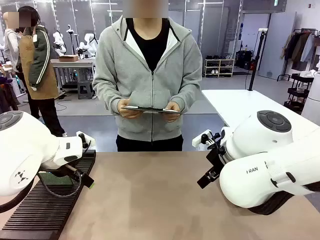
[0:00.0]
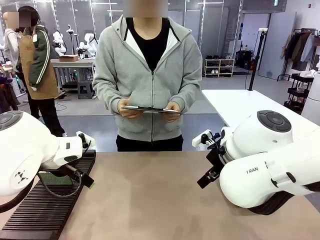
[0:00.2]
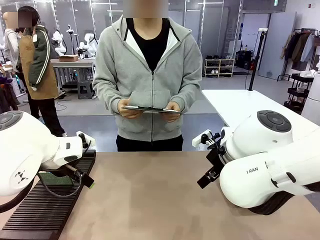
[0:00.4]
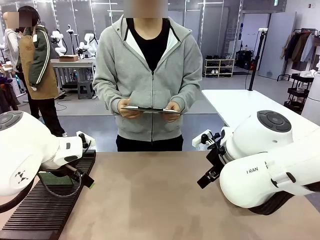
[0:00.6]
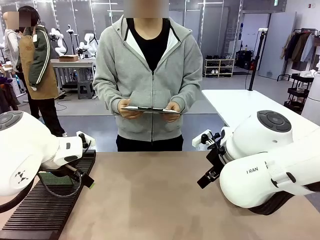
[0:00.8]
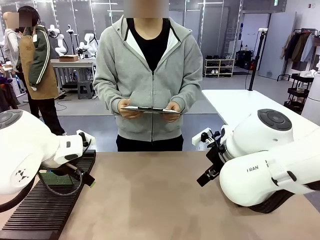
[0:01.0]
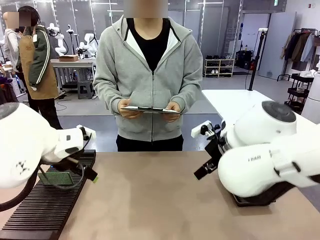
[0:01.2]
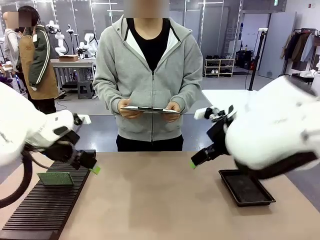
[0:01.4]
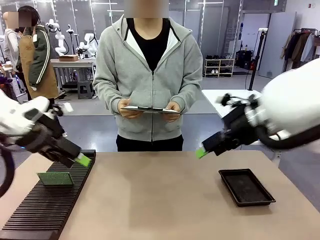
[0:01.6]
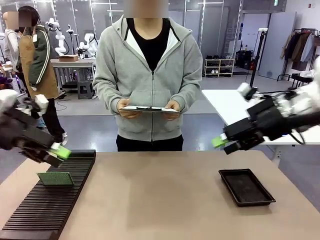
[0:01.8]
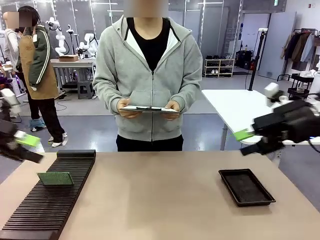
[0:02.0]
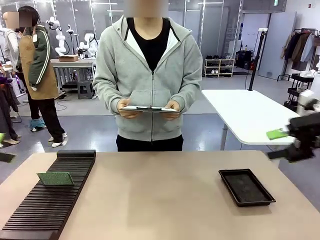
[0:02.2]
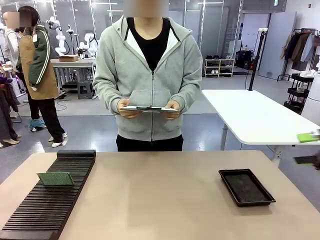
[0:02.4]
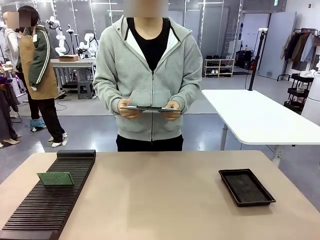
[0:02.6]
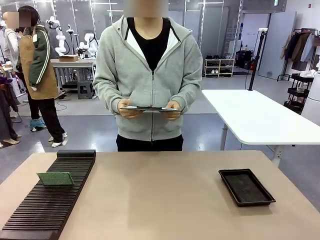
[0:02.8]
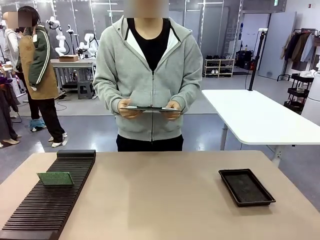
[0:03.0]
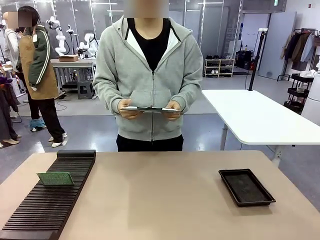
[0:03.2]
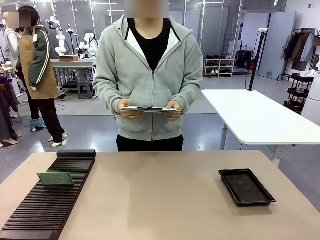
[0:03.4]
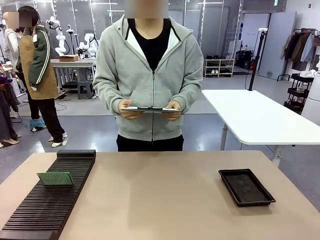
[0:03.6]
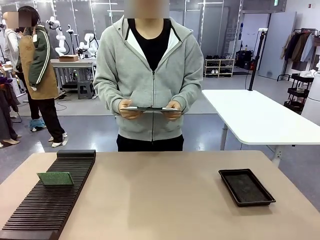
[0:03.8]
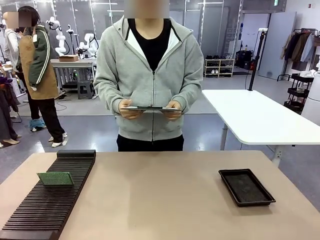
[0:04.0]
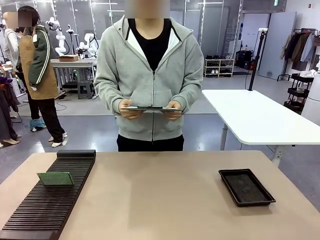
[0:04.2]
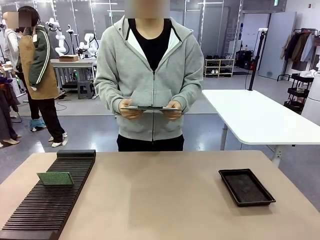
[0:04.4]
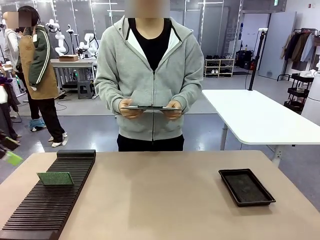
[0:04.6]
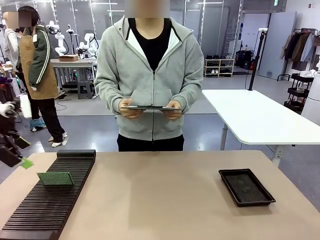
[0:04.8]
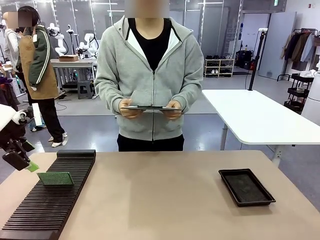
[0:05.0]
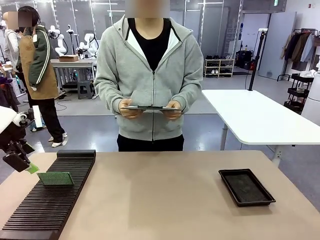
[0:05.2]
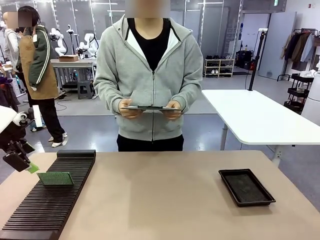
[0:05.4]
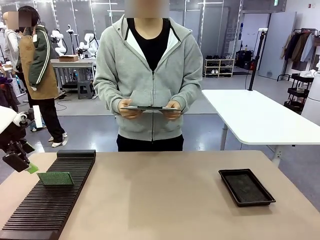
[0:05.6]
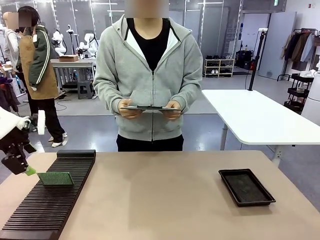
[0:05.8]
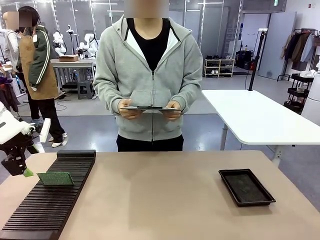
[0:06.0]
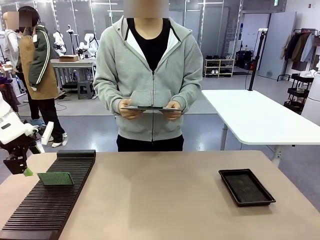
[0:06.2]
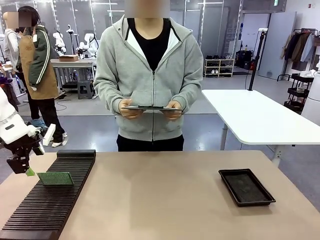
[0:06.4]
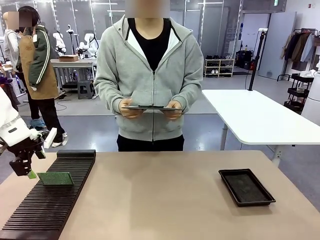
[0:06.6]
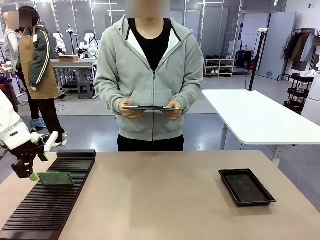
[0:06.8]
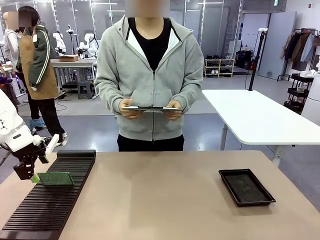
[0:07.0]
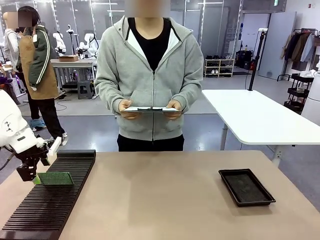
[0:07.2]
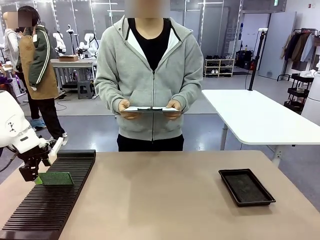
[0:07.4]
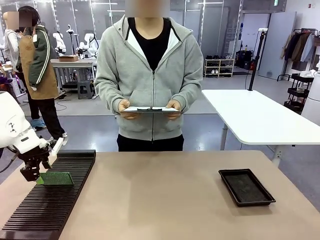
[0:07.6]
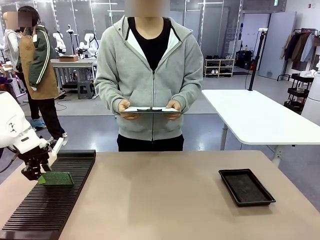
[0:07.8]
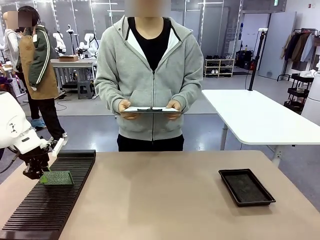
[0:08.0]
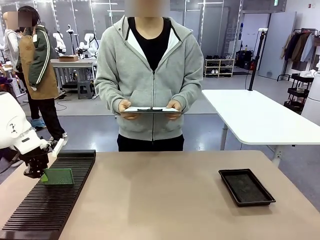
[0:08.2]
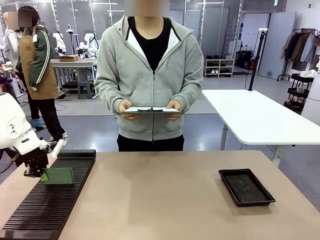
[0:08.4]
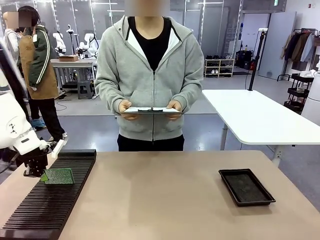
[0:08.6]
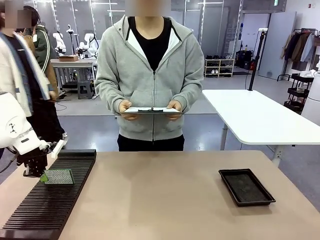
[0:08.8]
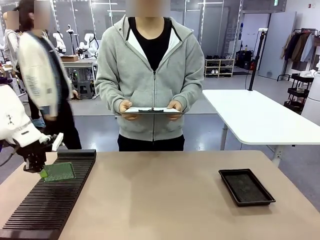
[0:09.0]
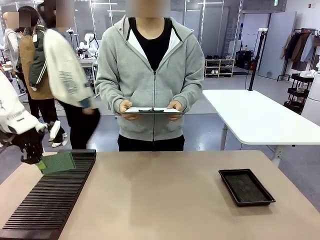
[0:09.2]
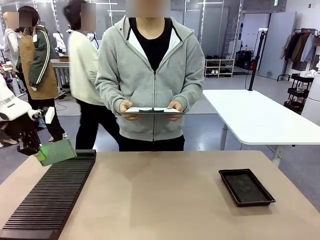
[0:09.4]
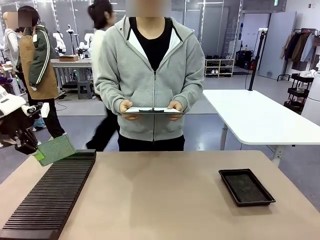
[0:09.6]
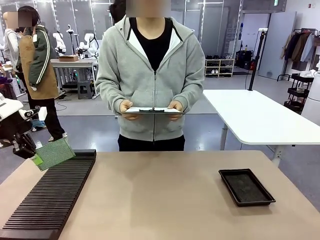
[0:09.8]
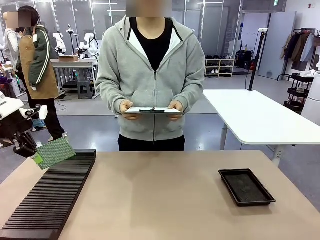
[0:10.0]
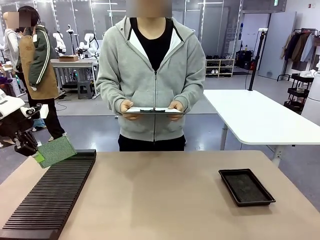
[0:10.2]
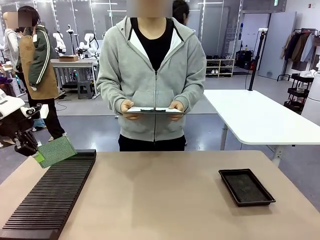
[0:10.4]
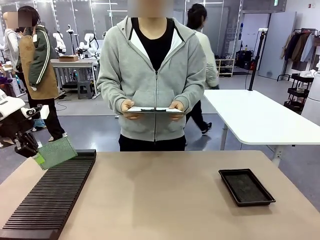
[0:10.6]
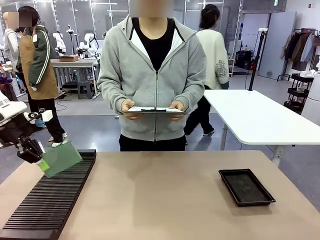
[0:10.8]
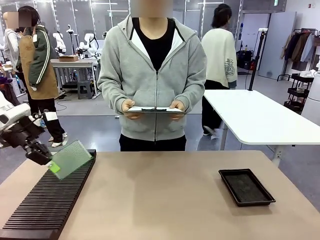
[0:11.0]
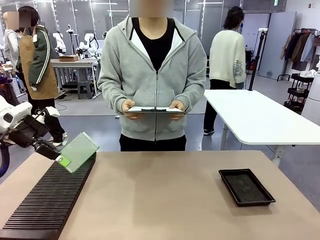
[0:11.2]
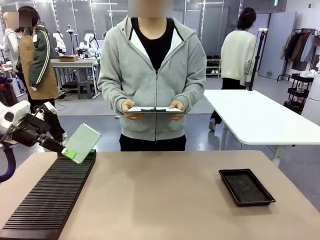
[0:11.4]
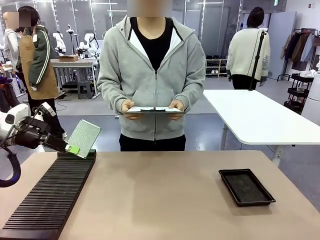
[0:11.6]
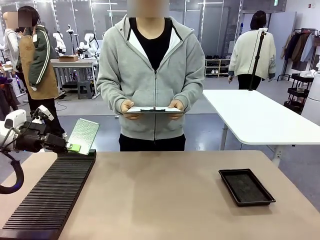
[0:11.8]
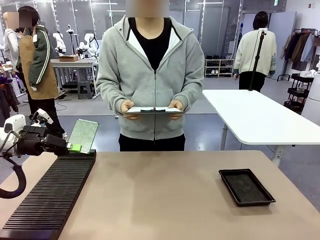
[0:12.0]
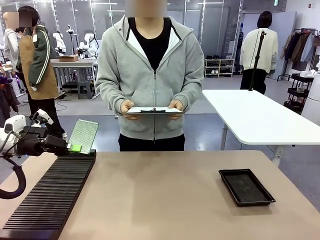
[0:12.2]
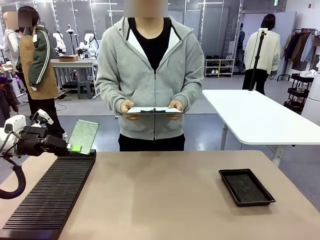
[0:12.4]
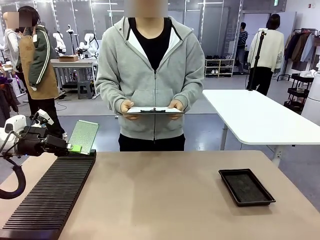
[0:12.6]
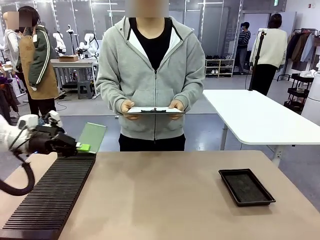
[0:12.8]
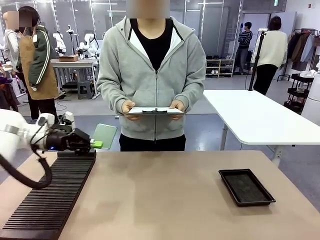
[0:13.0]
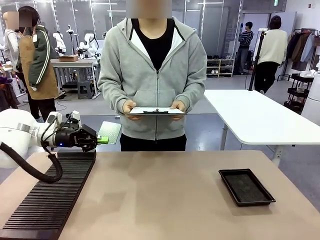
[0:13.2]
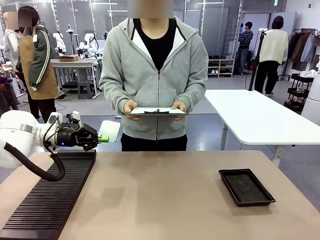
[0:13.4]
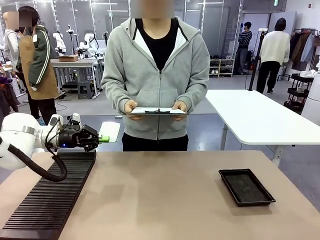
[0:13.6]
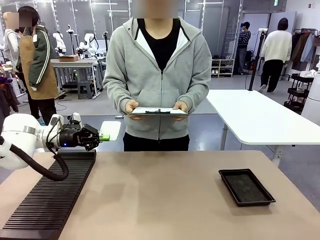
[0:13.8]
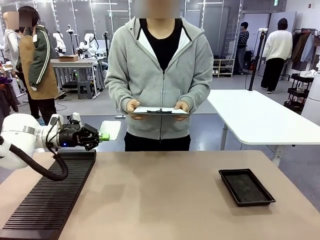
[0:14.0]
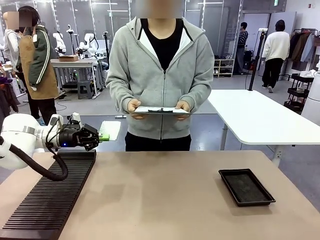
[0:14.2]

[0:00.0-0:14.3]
Task: Inspect the PCB.
Robot: Pick up the Blank PCB and present it to the human.
Person: Pick up the PCB presented by the robot.

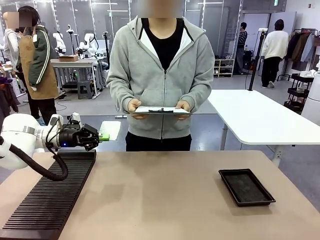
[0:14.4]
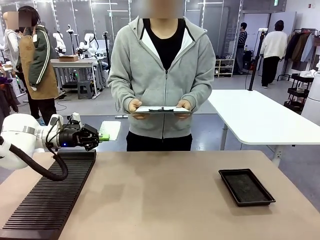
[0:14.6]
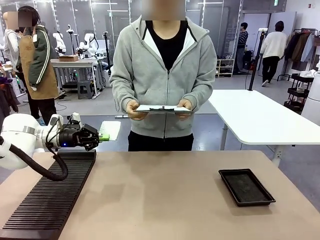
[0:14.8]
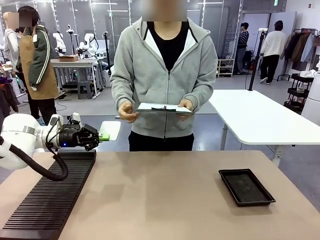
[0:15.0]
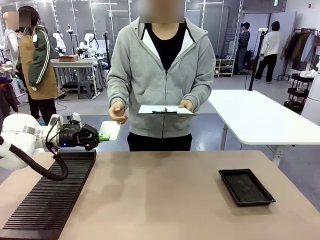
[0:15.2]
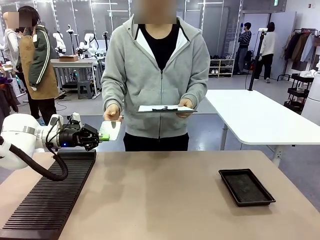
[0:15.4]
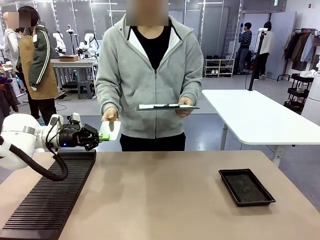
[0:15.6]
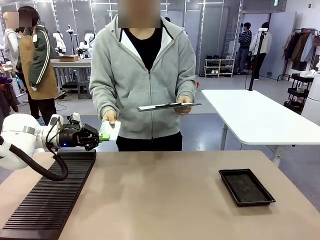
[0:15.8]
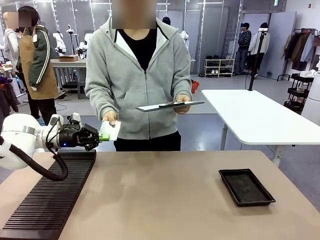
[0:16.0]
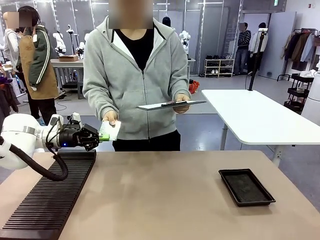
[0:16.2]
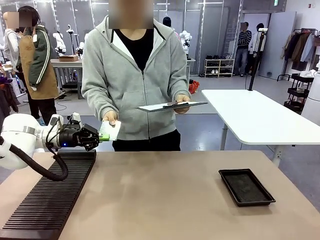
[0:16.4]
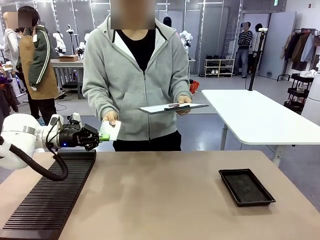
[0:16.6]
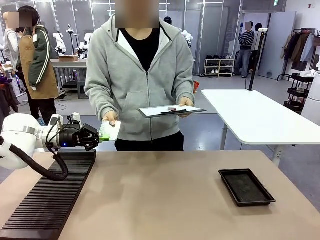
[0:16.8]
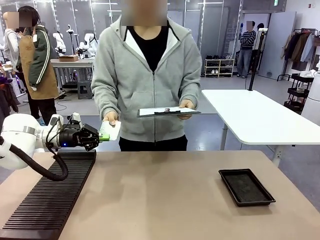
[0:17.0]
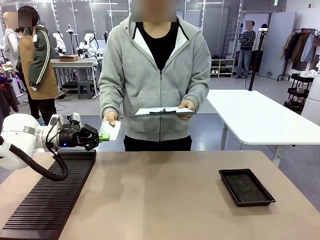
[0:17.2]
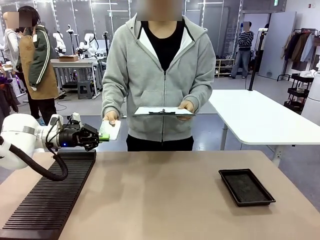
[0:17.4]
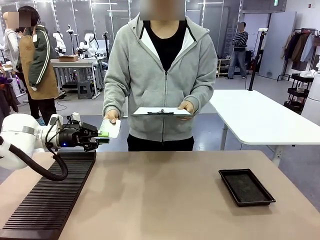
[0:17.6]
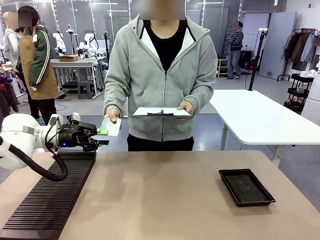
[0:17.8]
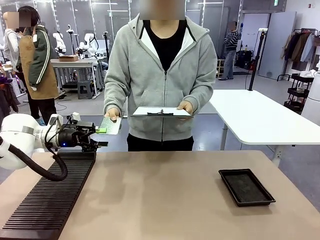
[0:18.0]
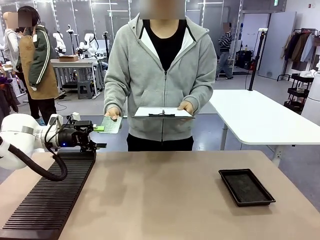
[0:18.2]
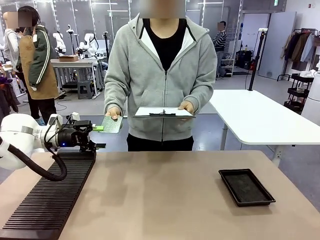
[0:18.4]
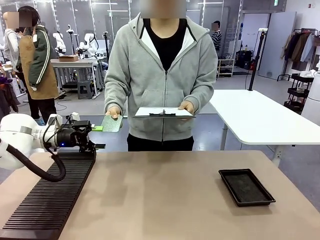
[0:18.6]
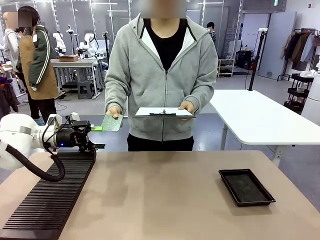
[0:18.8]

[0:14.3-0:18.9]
Robot: Release the Blank PCB you were holding.
